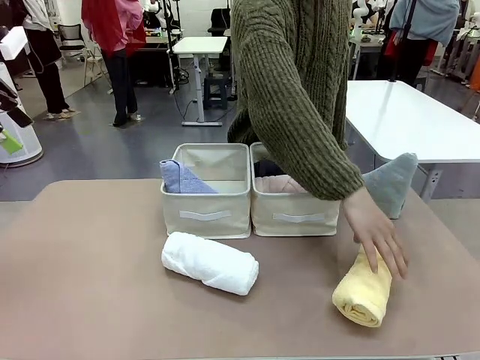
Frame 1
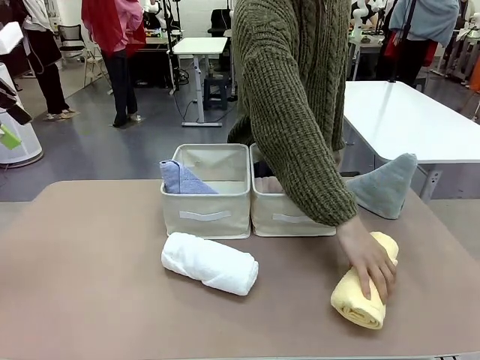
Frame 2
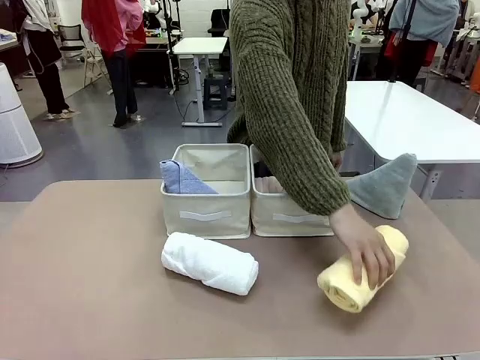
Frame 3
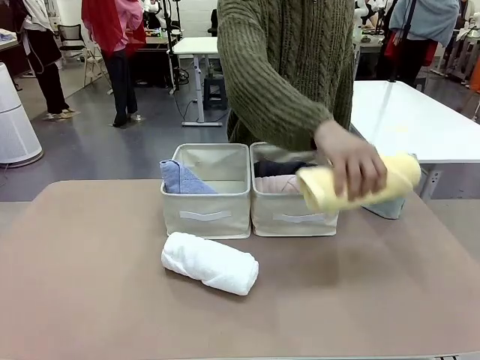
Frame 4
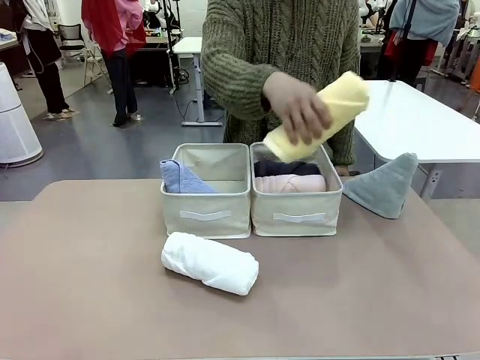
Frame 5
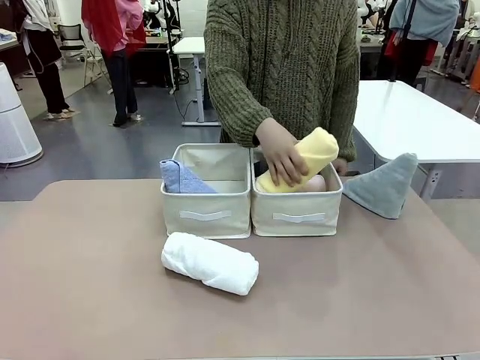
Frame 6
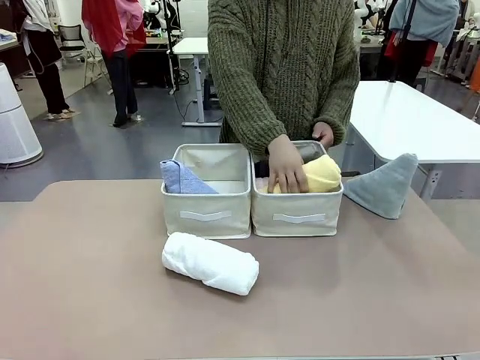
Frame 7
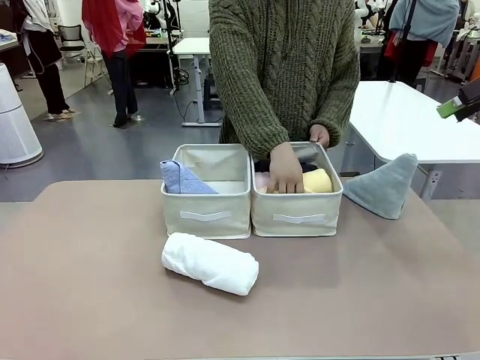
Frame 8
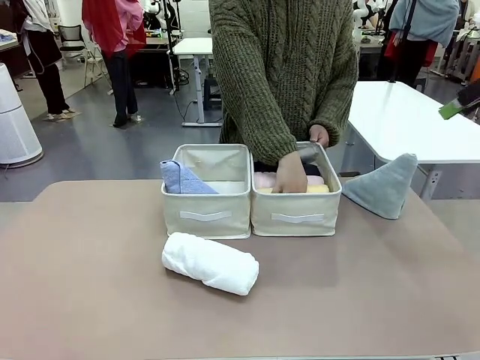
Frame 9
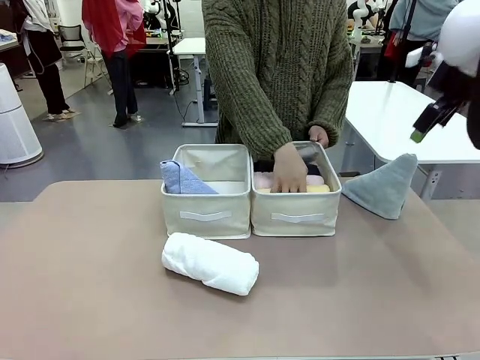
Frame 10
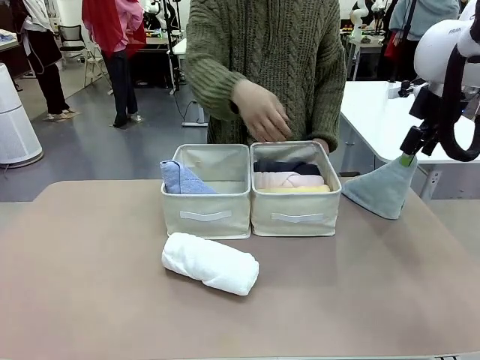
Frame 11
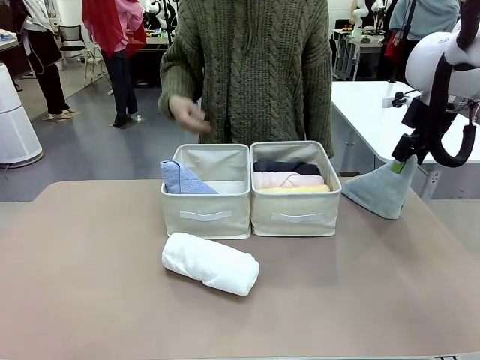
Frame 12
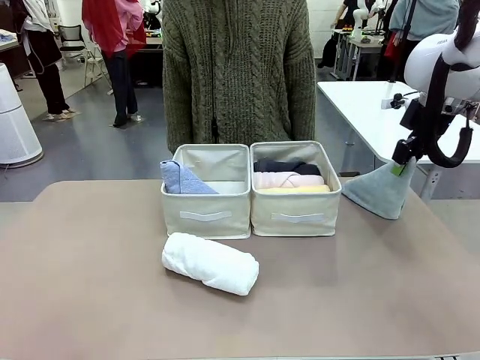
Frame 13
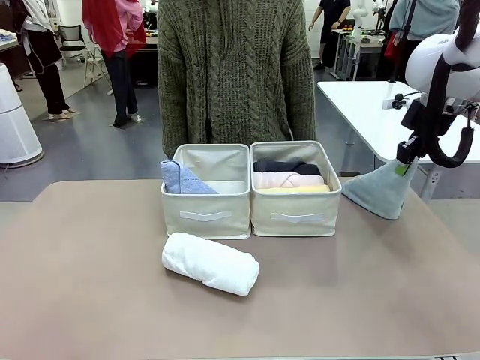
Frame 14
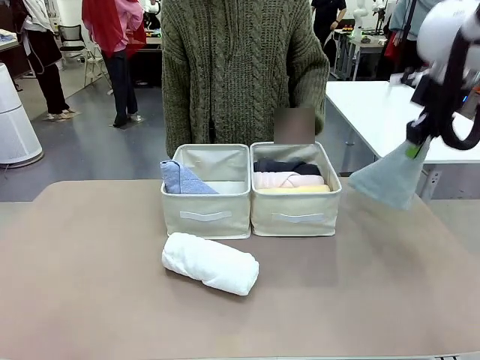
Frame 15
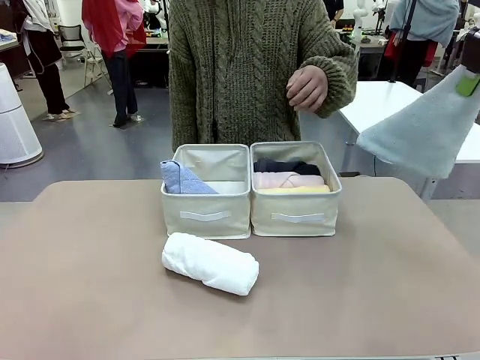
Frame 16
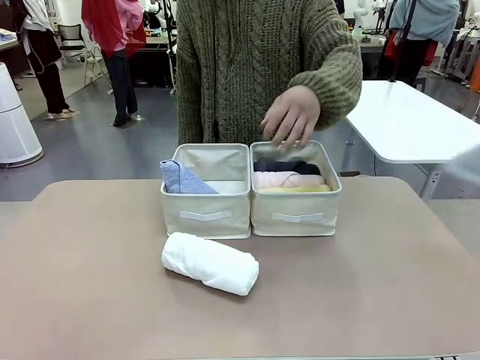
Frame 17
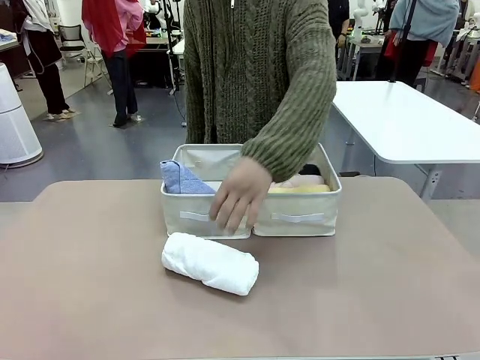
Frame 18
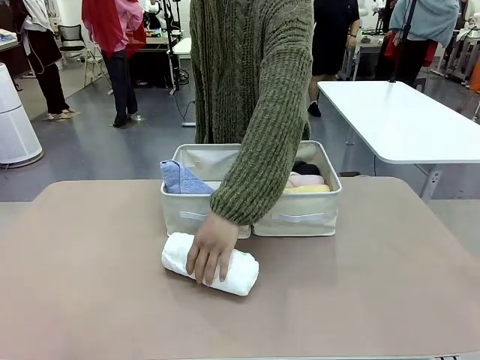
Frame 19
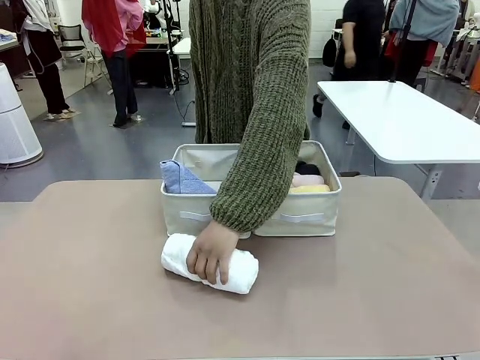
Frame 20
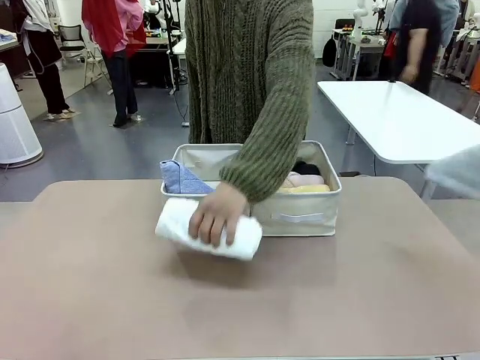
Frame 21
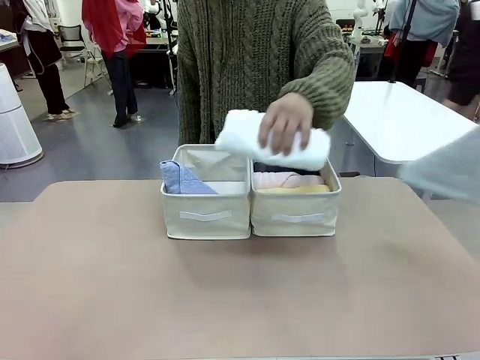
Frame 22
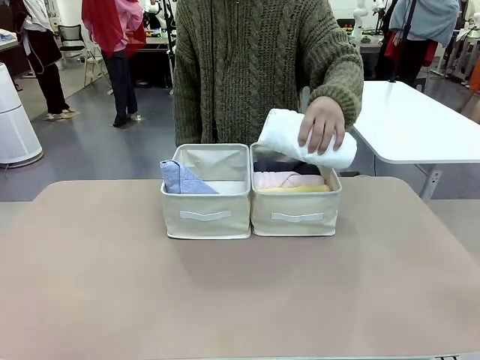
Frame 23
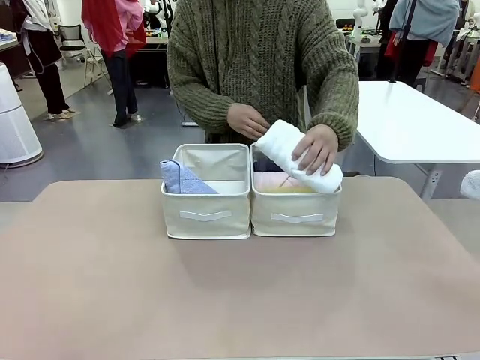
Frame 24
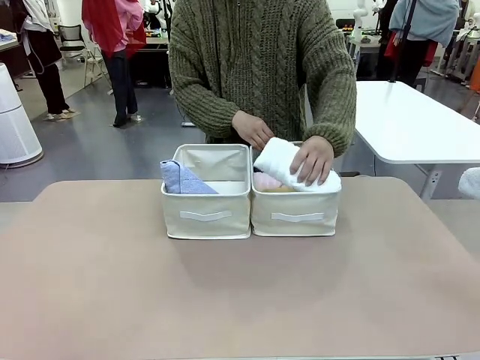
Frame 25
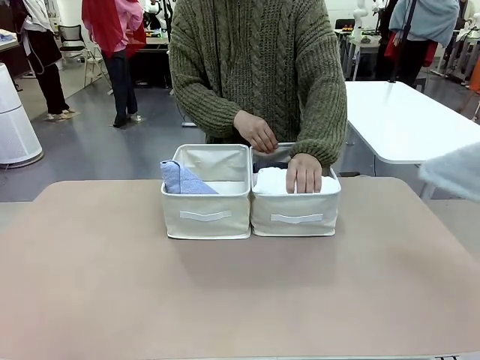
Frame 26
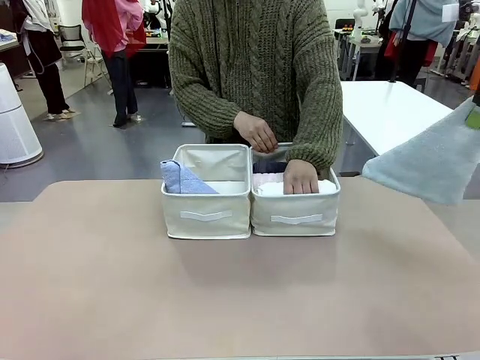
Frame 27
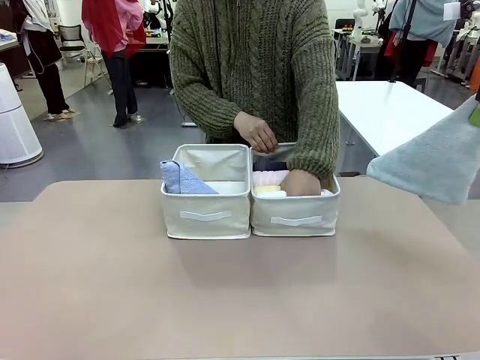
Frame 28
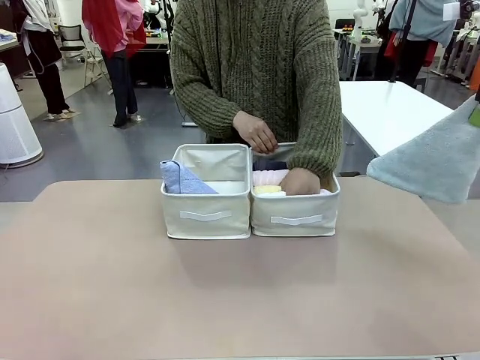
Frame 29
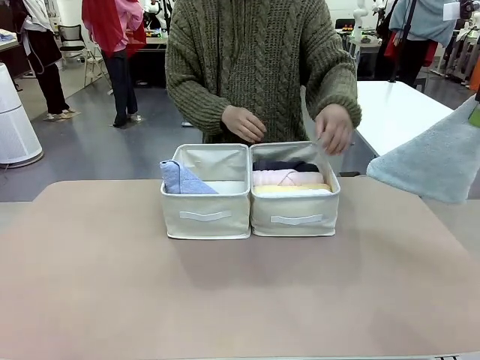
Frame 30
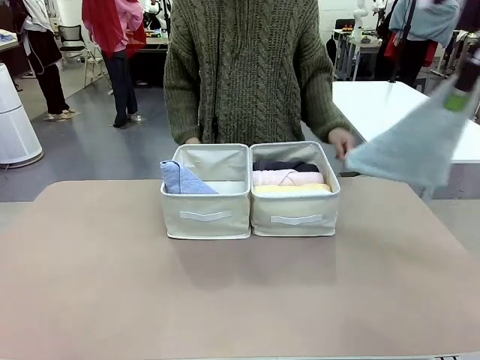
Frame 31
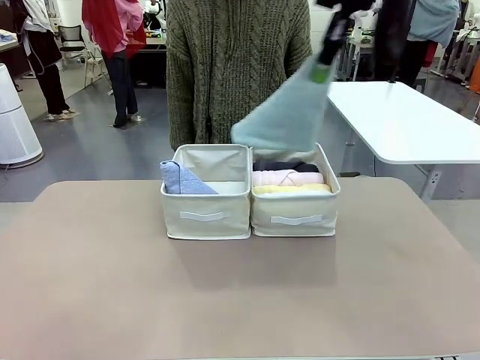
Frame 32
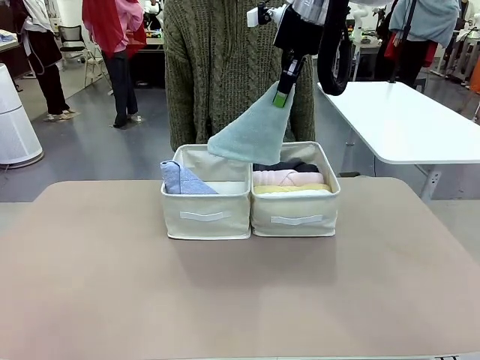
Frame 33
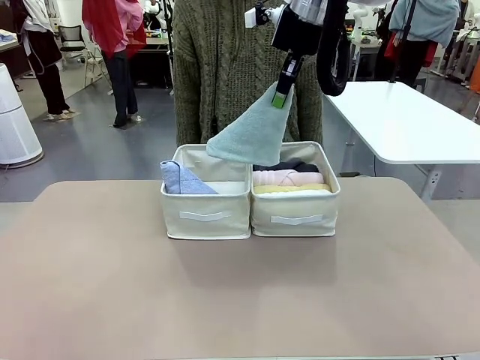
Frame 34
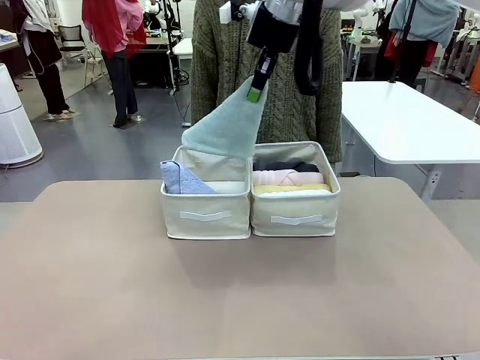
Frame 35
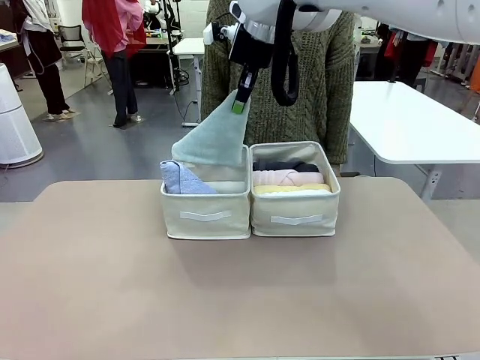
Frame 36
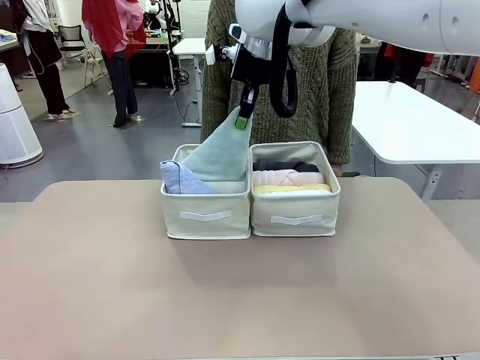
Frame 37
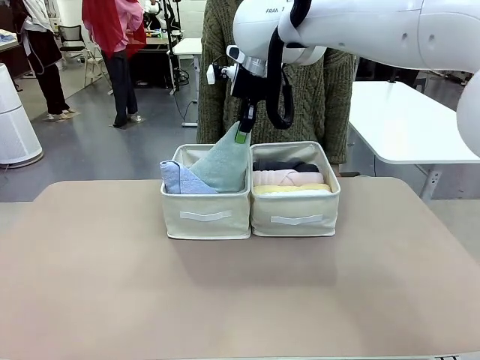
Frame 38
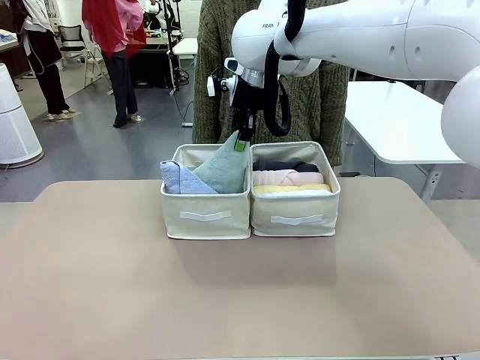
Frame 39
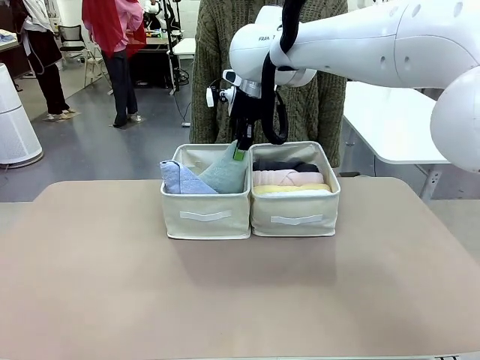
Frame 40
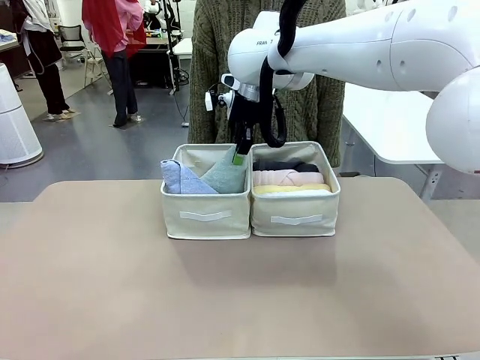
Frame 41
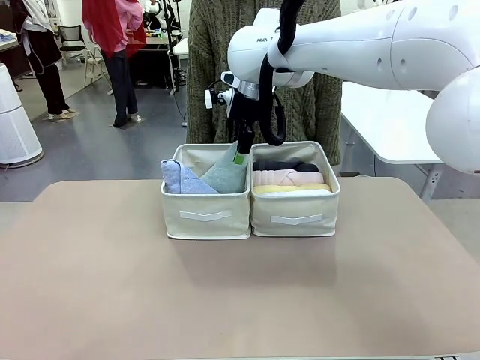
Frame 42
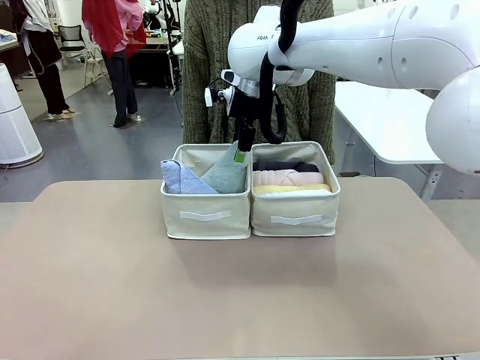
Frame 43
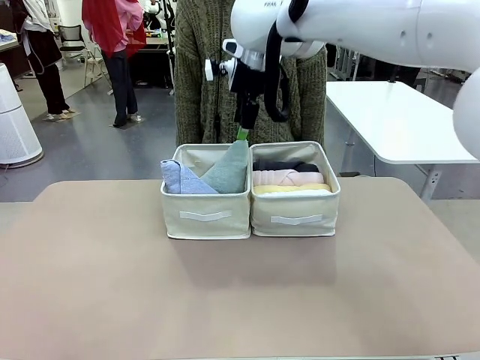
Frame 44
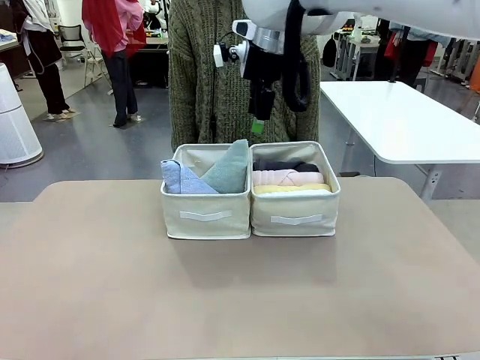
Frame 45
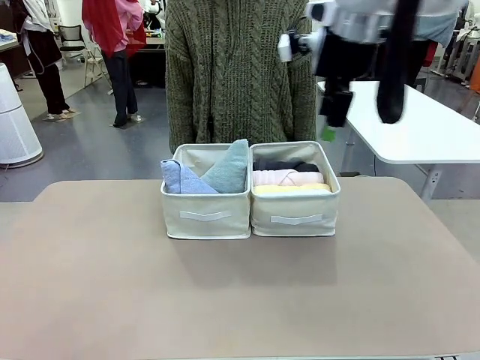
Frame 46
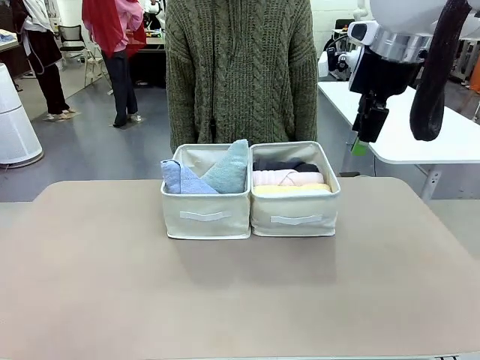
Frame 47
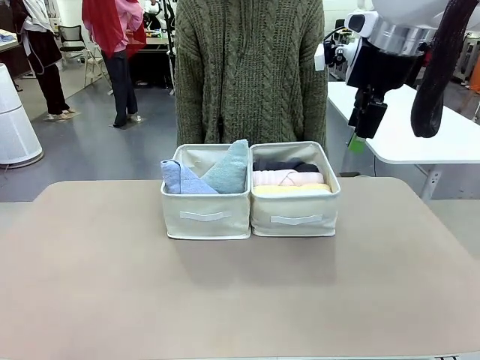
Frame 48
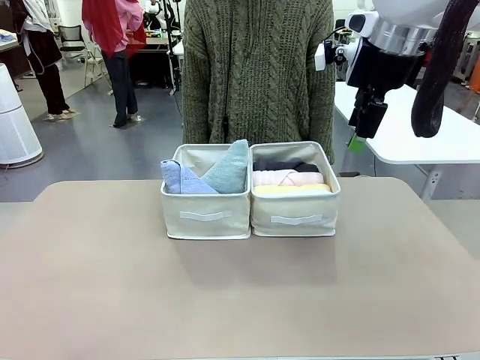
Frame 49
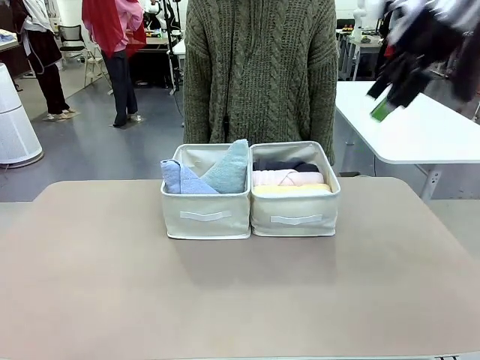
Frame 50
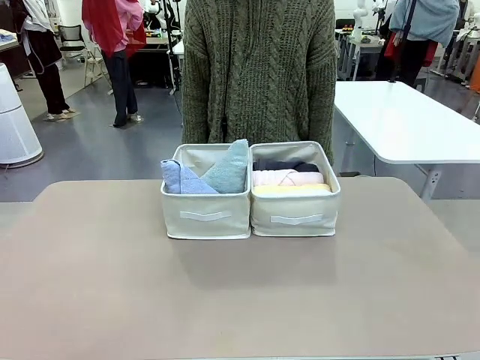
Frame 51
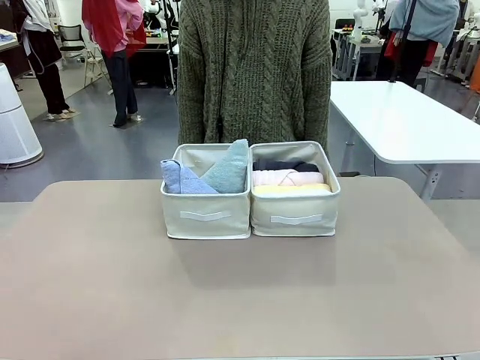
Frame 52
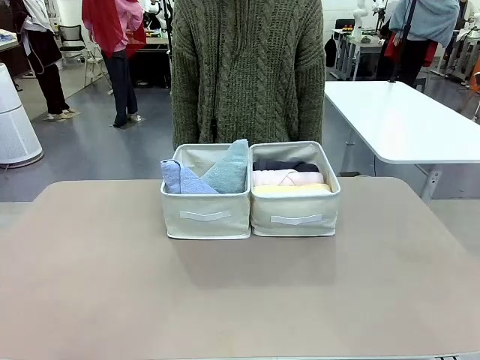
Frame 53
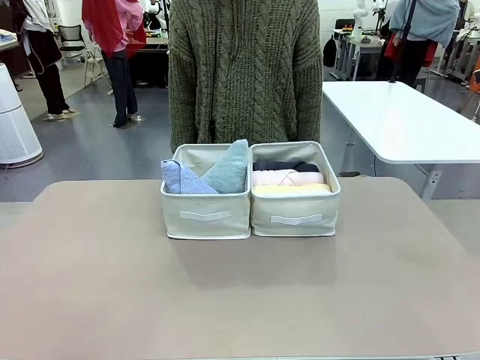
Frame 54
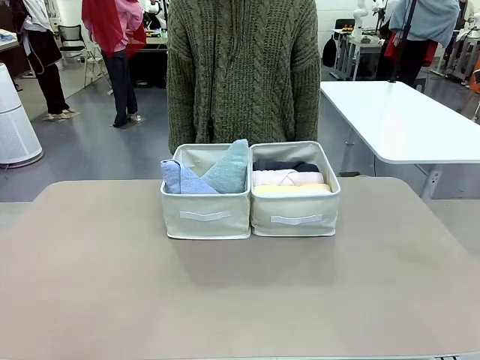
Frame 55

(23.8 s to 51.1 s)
Task: Sort the towels based on their folding style.
Robot: Pick up another triangle-folded towel from the table and place it in the left Fabric basket.
Person: Pick up one hotel-style rolled towel from the table and place it in the left fabric basket.
